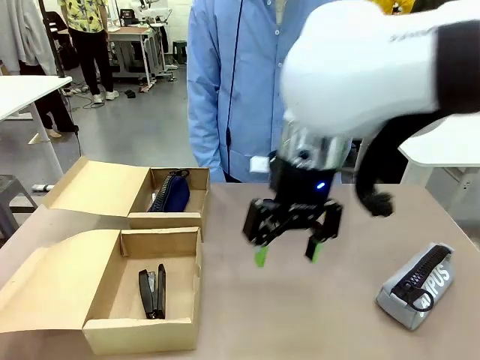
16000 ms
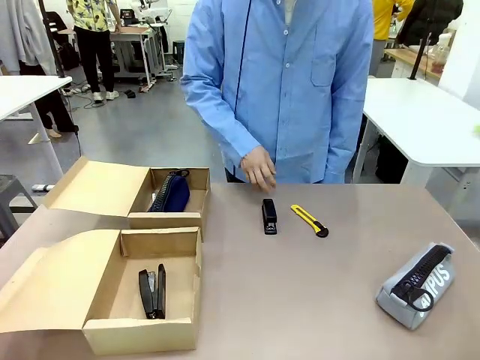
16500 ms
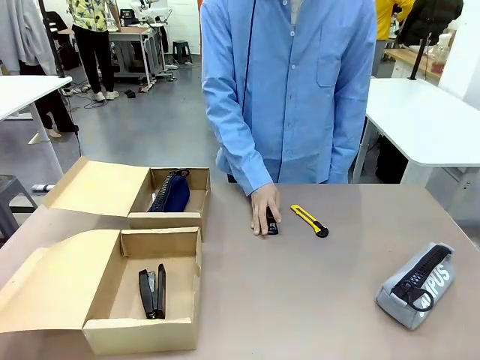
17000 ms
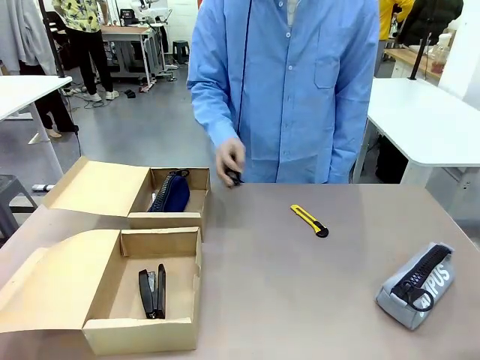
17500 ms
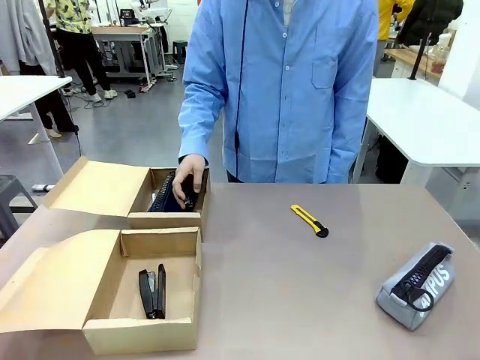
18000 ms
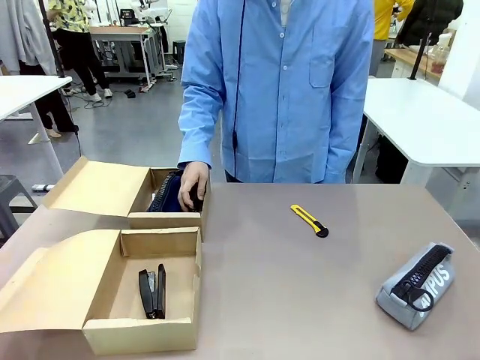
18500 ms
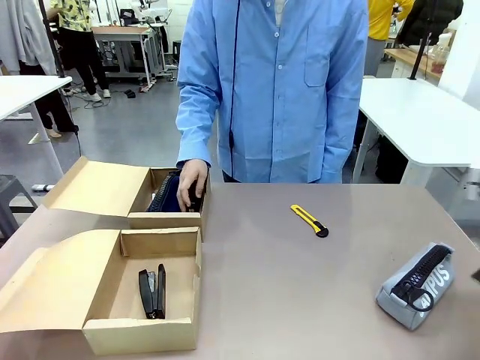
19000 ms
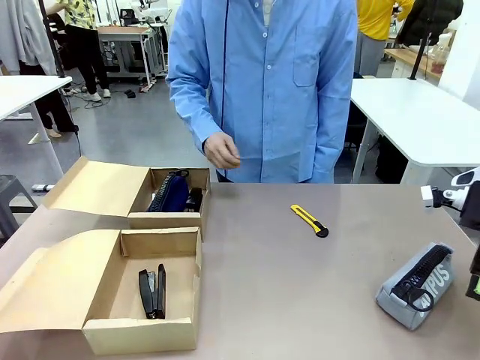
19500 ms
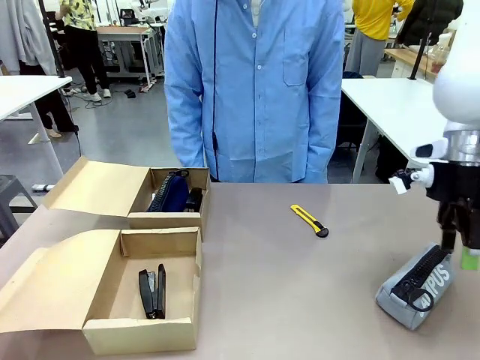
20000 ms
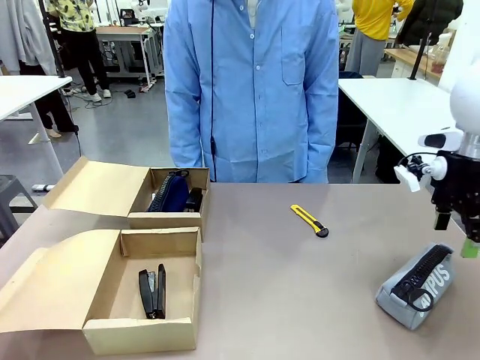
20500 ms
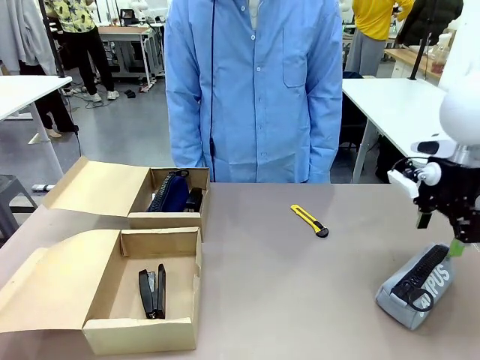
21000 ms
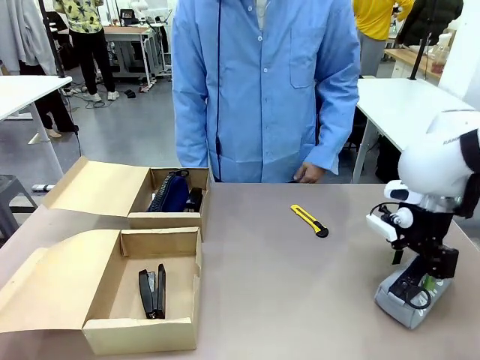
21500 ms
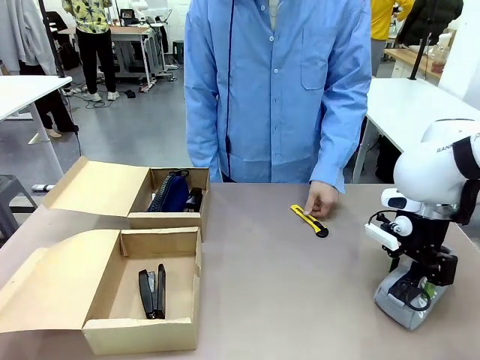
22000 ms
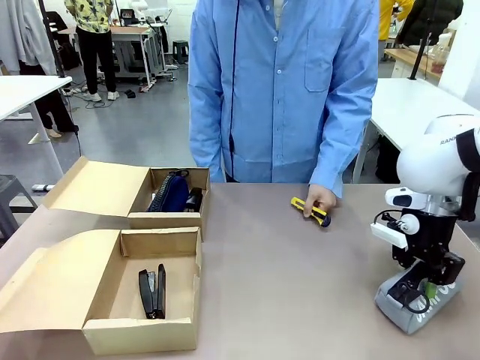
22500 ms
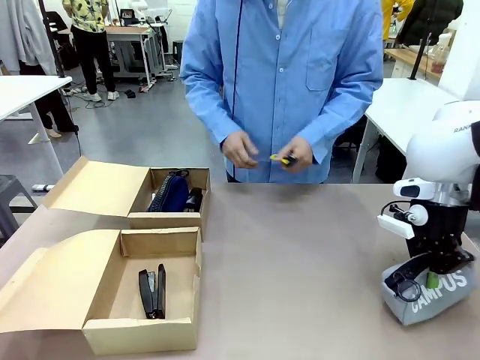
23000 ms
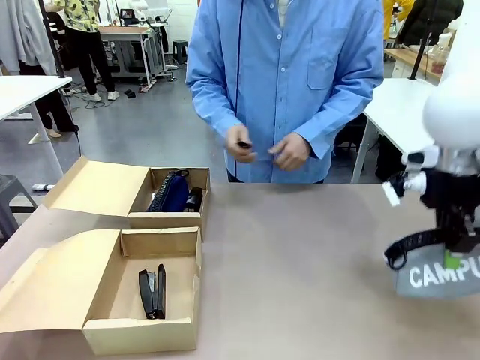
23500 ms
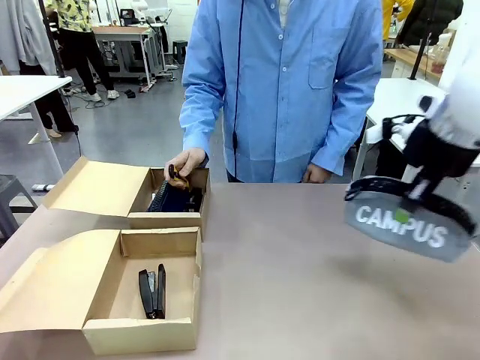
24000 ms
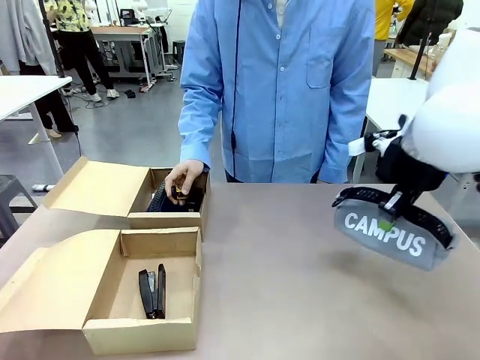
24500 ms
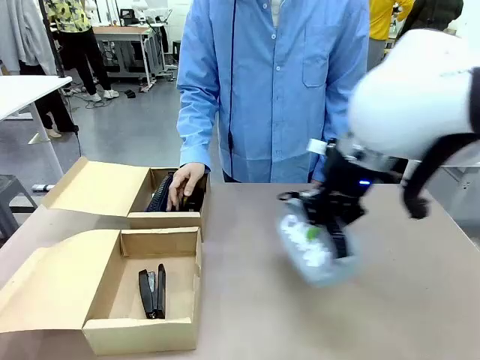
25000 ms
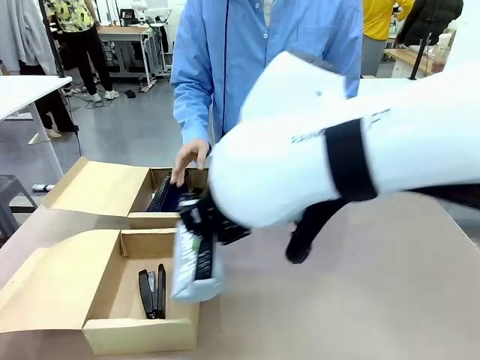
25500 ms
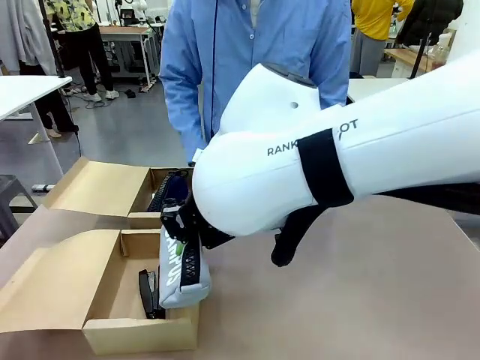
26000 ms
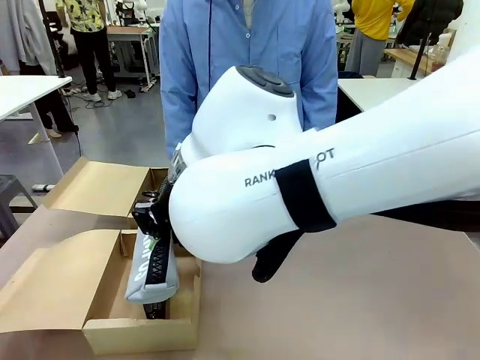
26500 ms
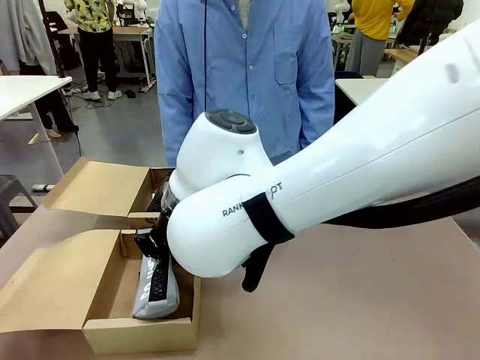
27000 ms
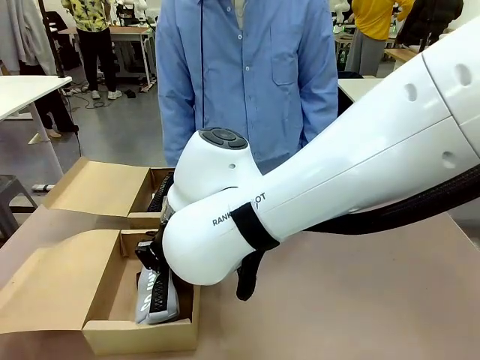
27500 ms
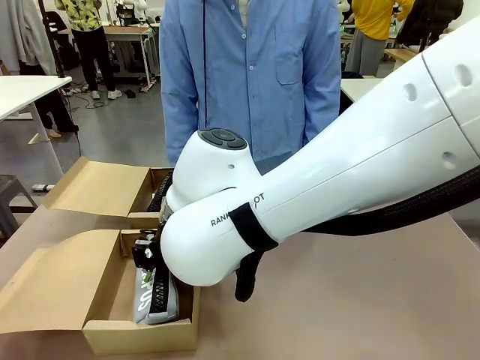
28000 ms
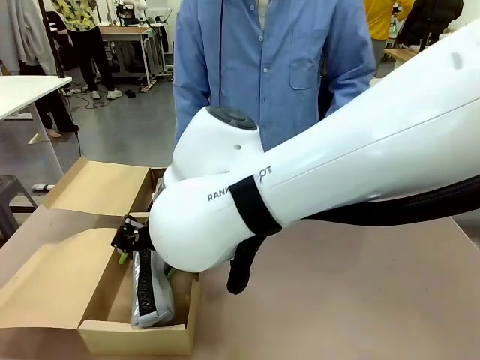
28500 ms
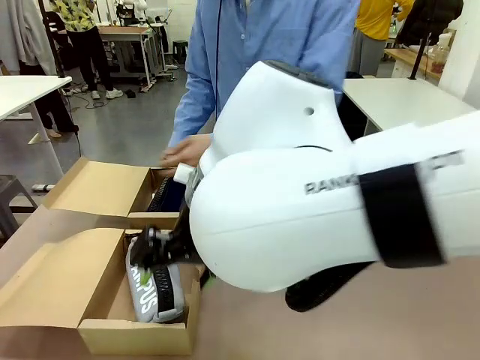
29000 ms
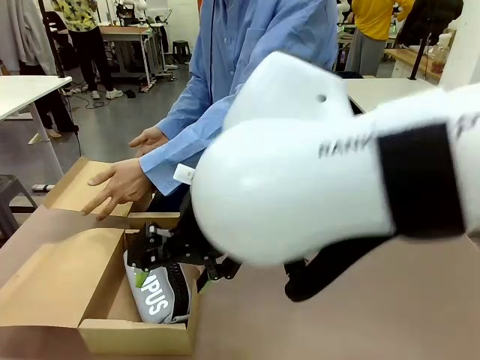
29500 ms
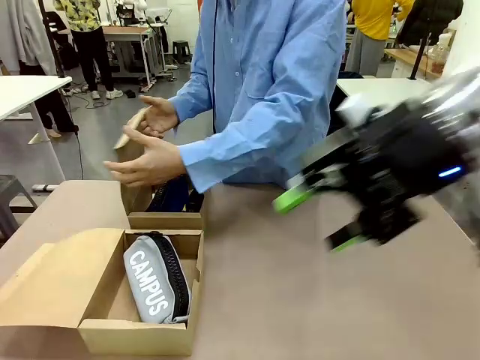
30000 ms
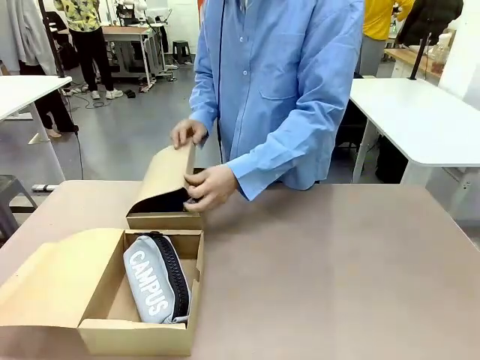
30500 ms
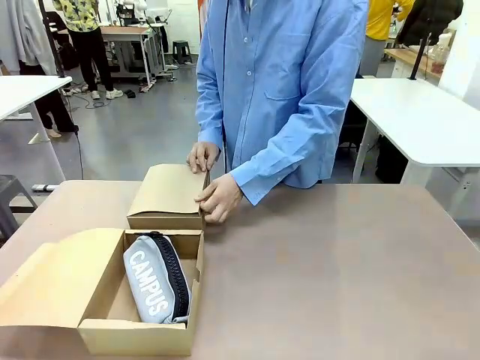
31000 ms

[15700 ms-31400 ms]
Task: Place items inside the box.
Robot: Pick up a Pencil pouch or Stapler and place it inside the Mailer Box closest to the robot.

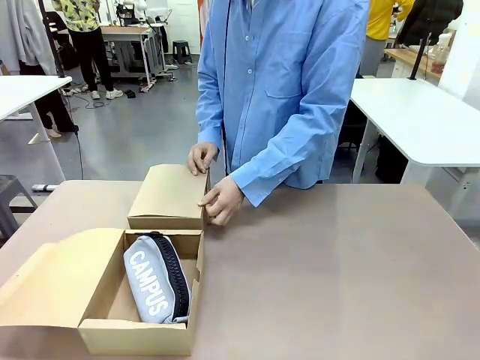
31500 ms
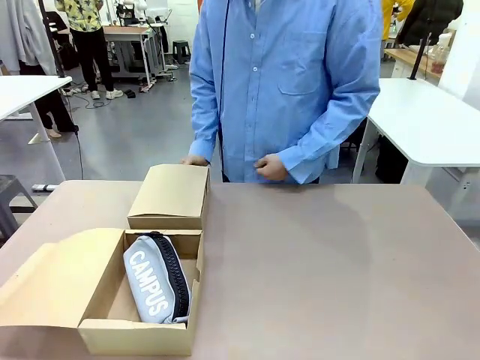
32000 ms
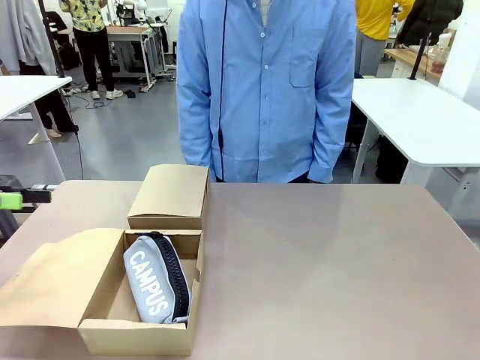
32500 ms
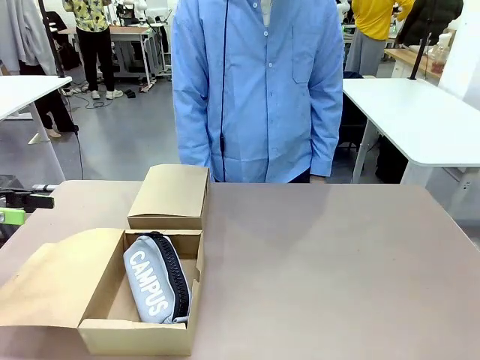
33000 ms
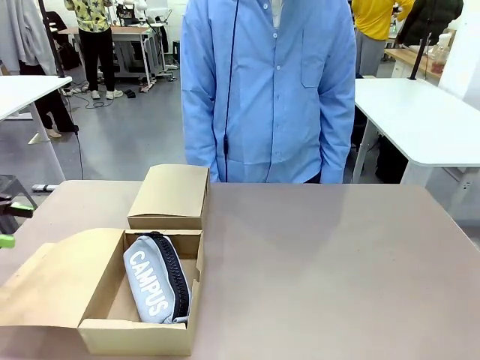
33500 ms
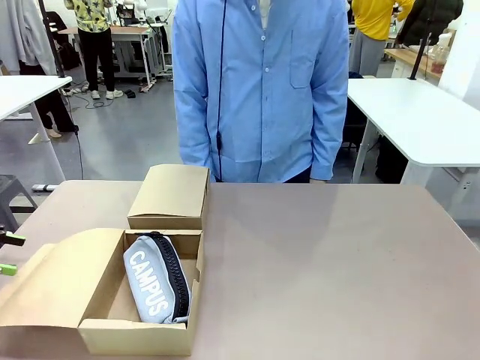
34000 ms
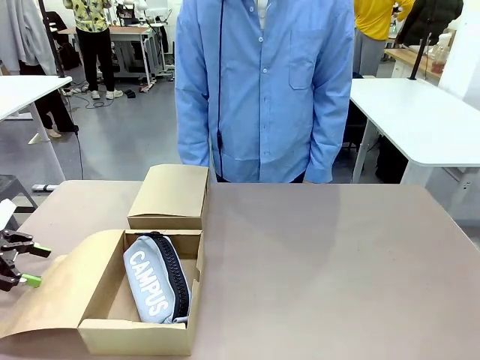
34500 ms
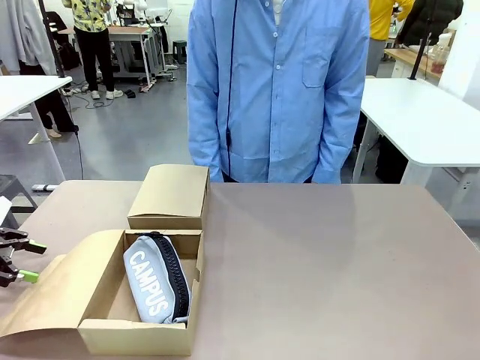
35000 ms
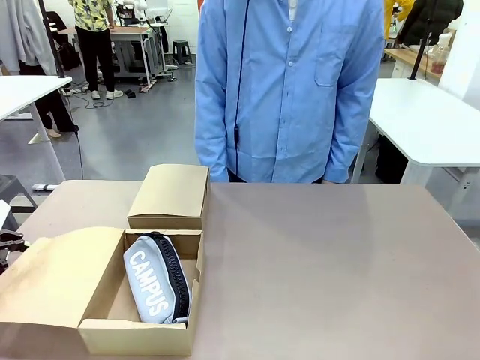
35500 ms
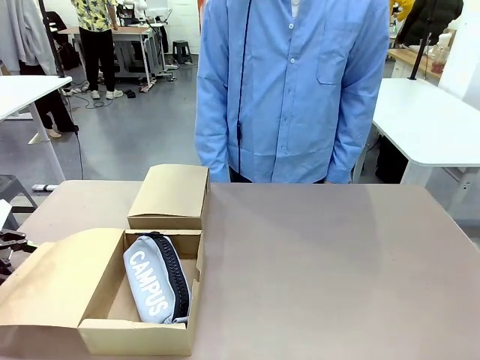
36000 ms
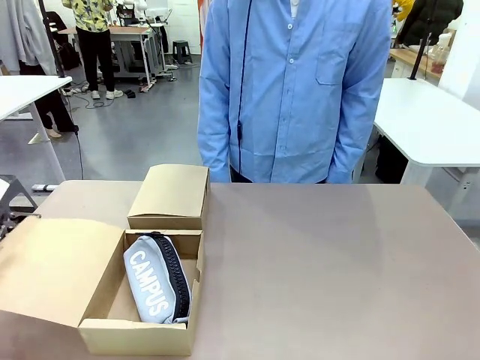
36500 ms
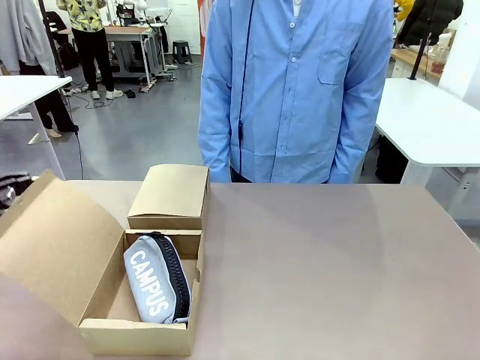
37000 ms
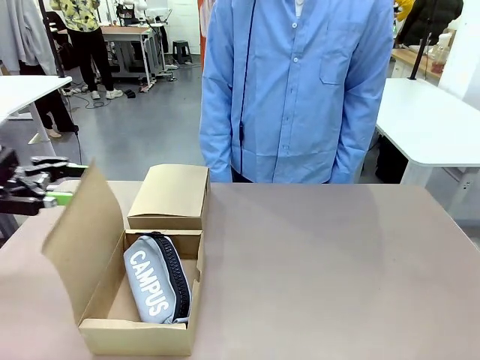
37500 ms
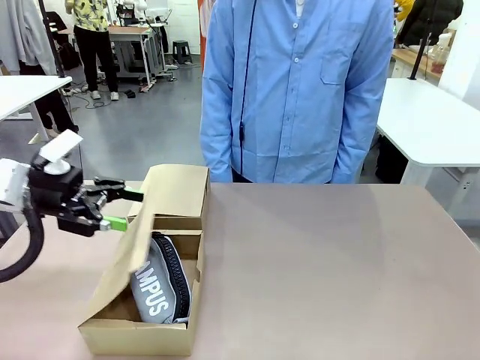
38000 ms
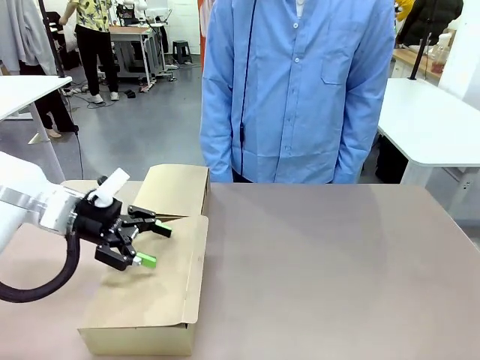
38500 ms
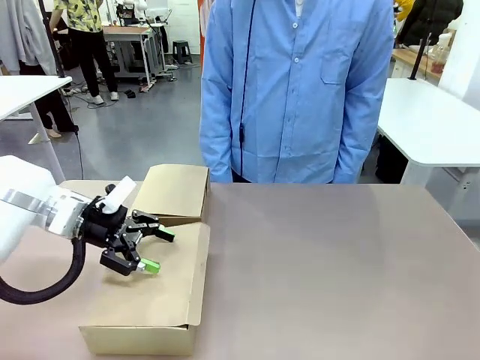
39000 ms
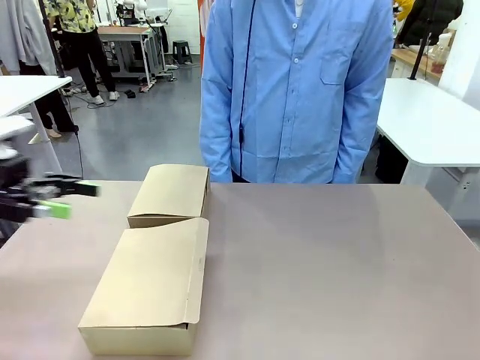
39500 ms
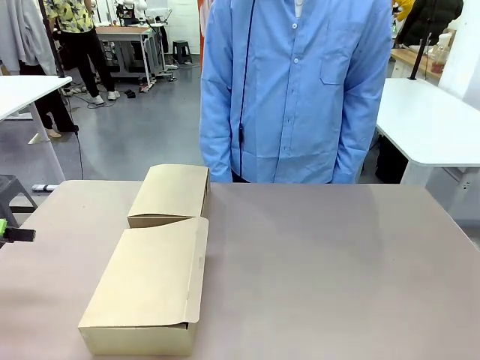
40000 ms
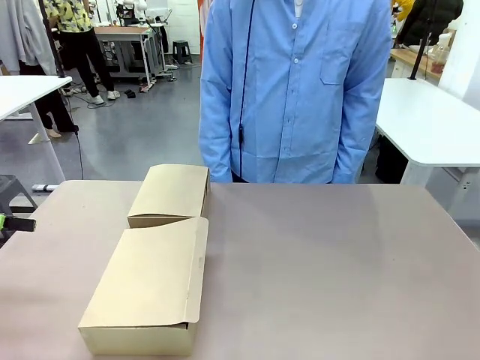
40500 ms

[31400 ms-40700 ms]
Robot: Close the lid of the Mailer Box closest to the robot.
Person: Close the lid of the box facing the person.
